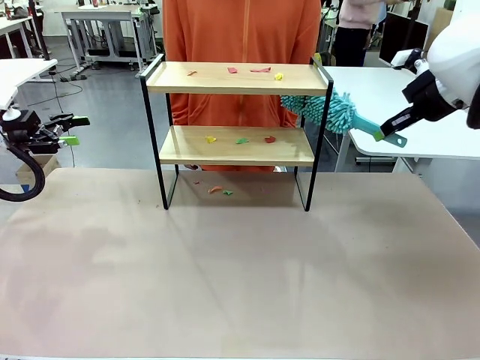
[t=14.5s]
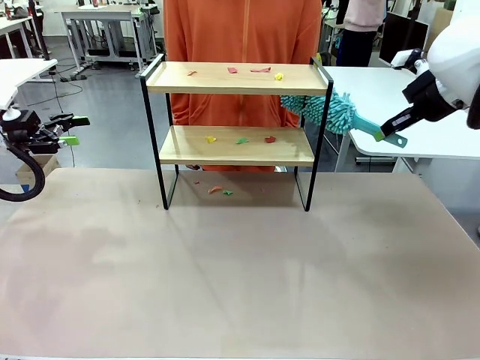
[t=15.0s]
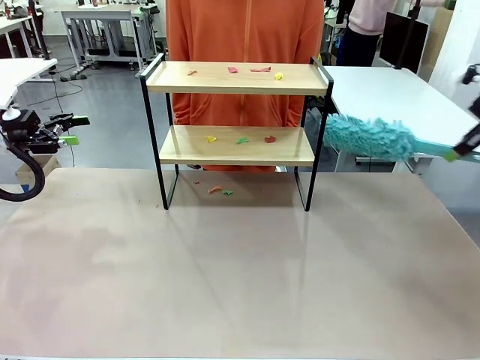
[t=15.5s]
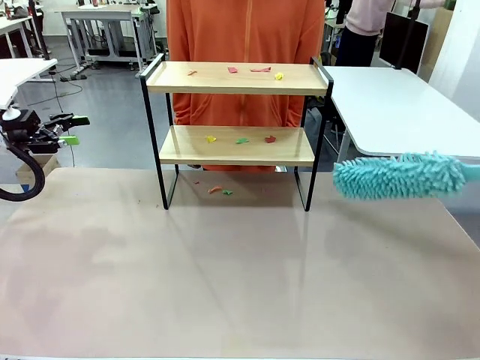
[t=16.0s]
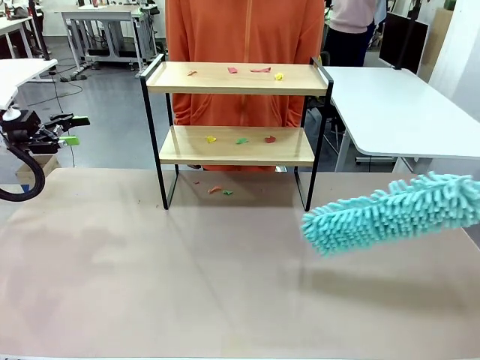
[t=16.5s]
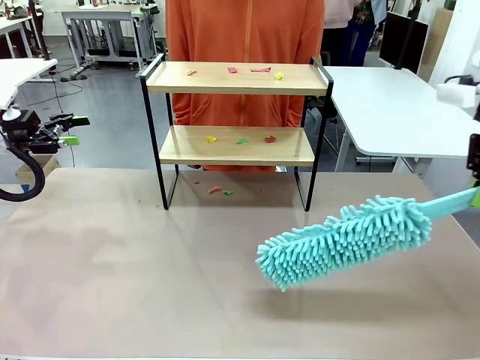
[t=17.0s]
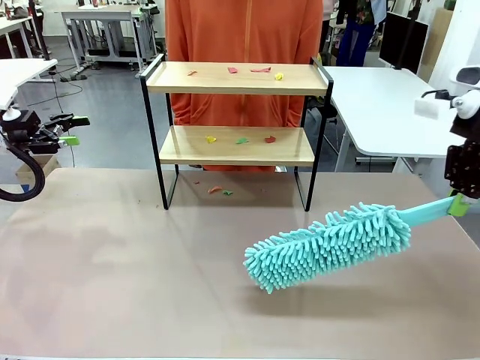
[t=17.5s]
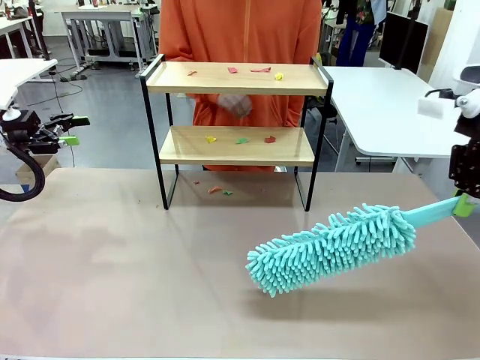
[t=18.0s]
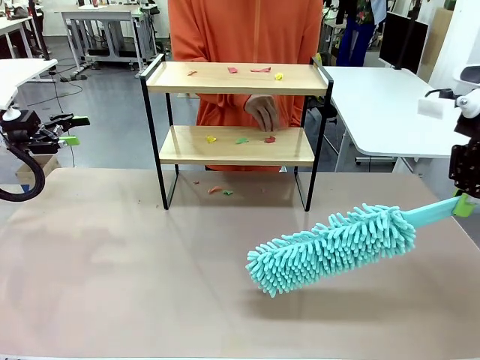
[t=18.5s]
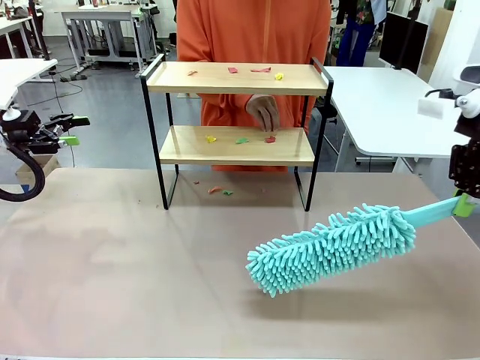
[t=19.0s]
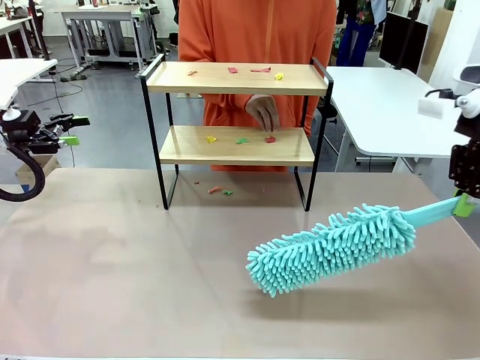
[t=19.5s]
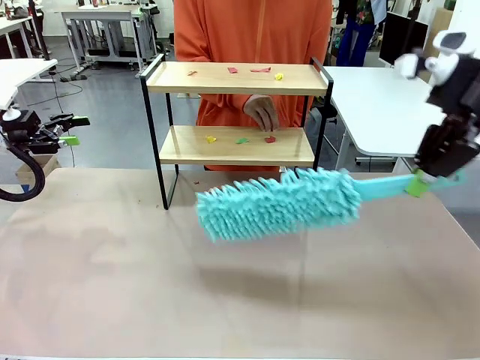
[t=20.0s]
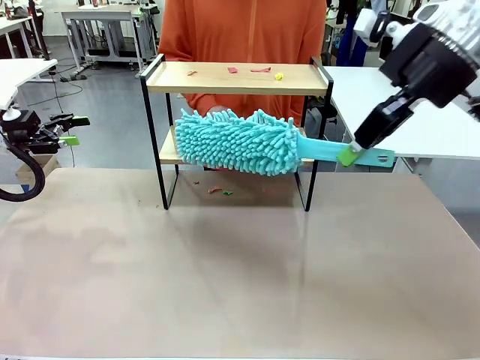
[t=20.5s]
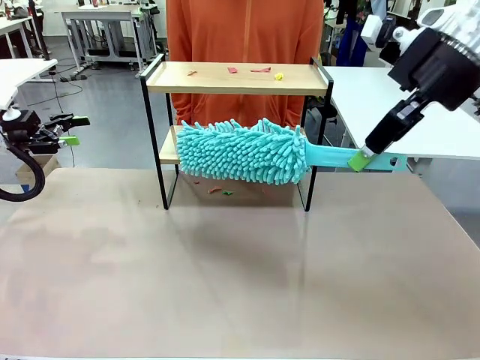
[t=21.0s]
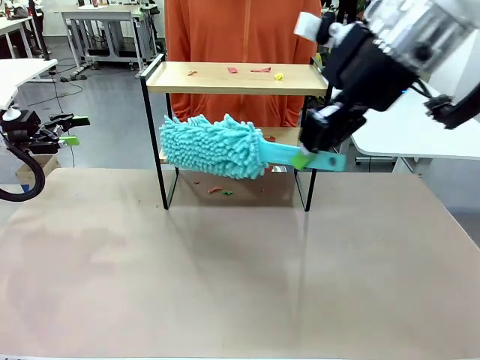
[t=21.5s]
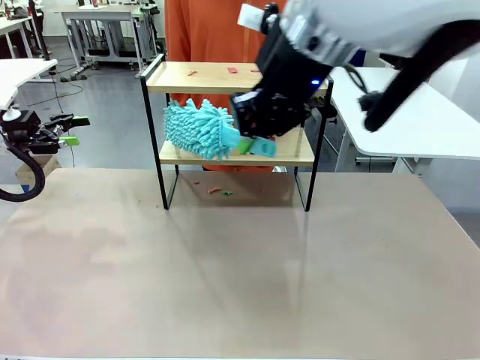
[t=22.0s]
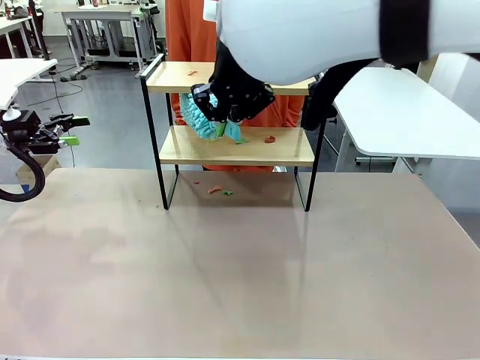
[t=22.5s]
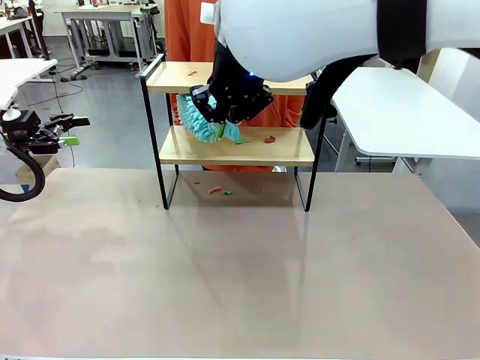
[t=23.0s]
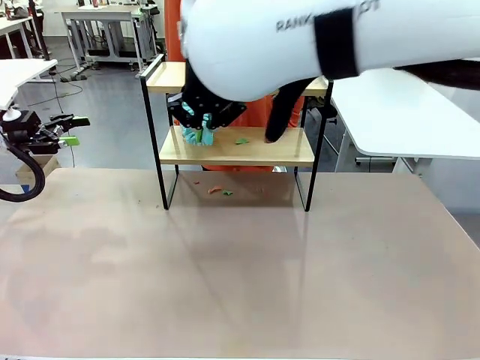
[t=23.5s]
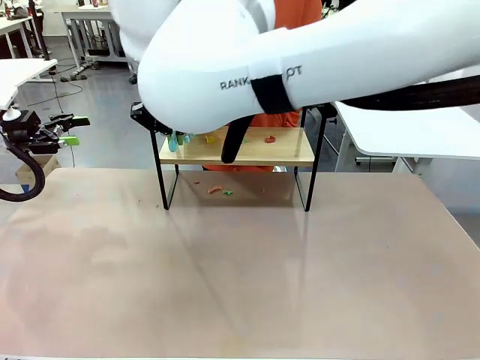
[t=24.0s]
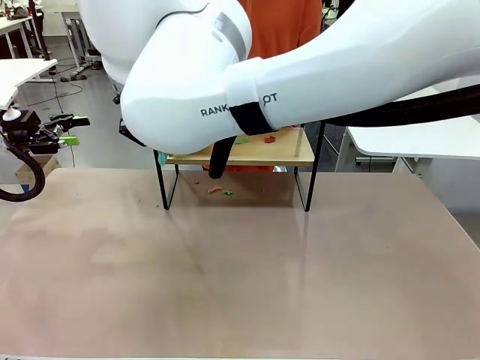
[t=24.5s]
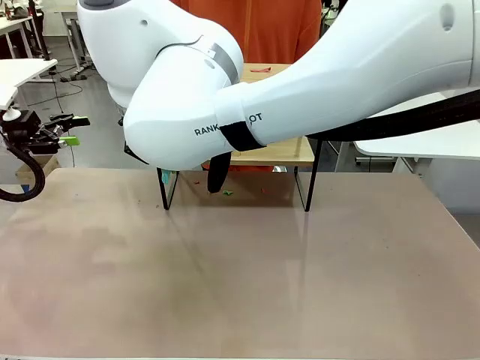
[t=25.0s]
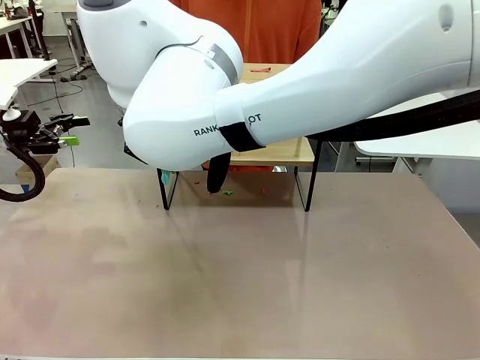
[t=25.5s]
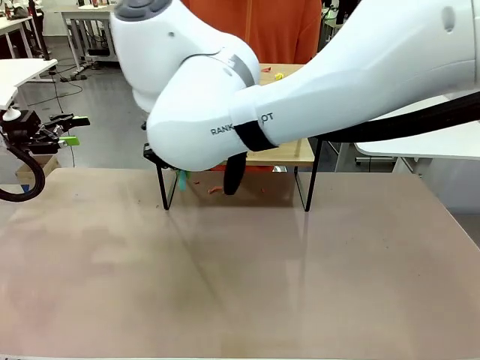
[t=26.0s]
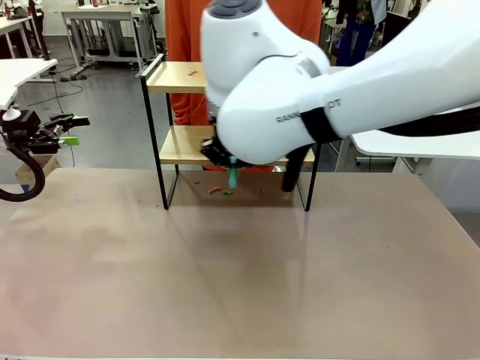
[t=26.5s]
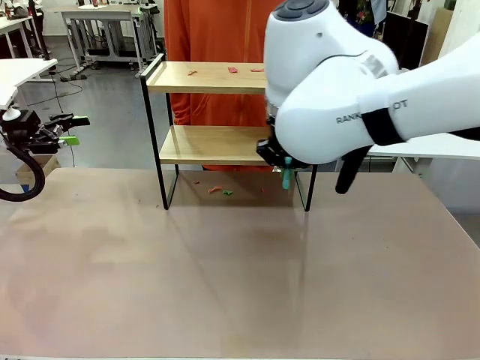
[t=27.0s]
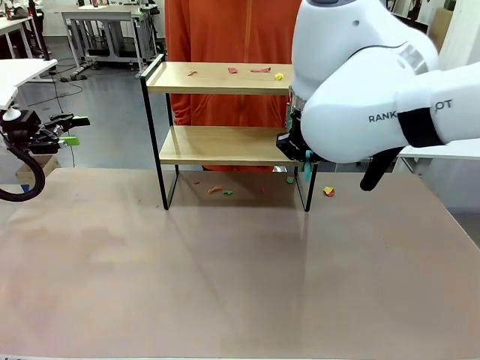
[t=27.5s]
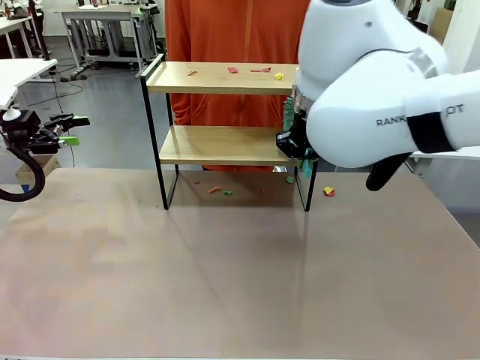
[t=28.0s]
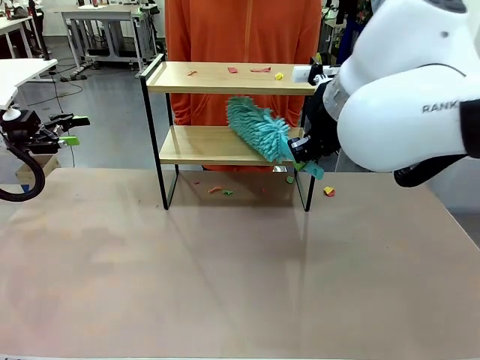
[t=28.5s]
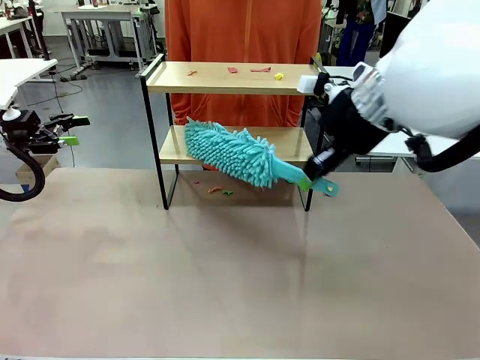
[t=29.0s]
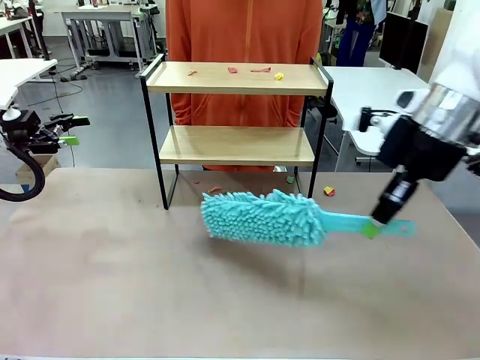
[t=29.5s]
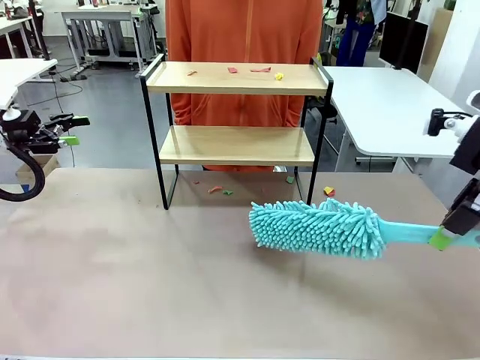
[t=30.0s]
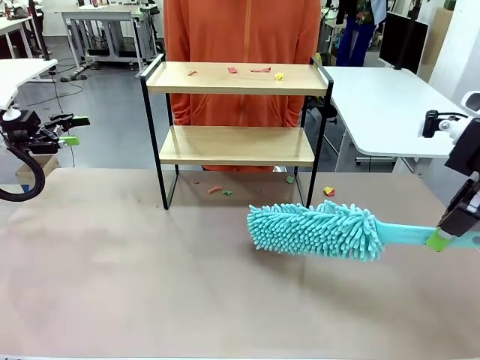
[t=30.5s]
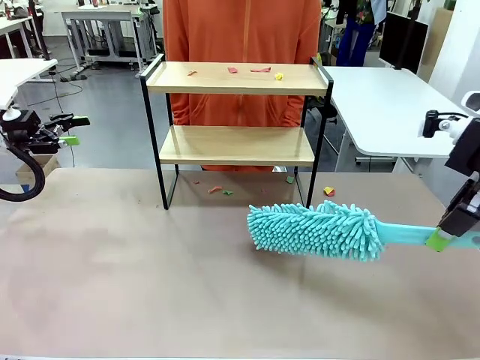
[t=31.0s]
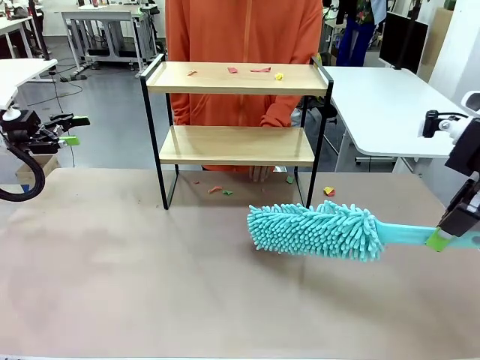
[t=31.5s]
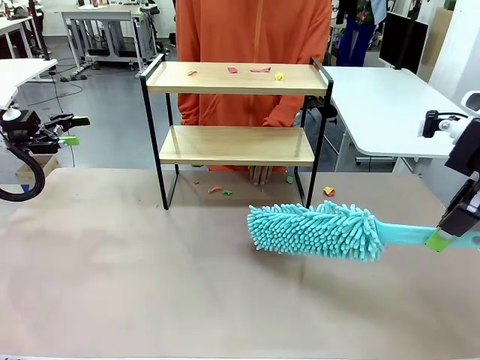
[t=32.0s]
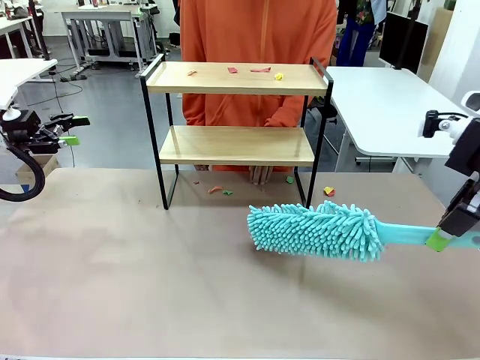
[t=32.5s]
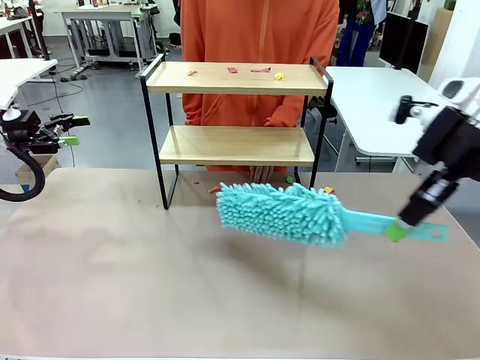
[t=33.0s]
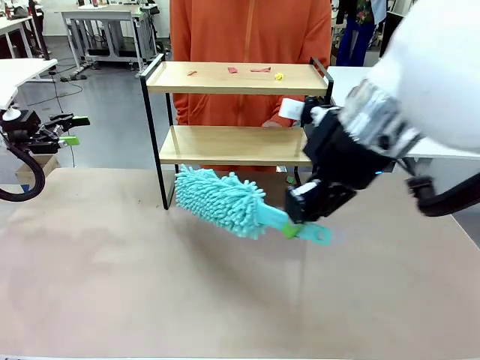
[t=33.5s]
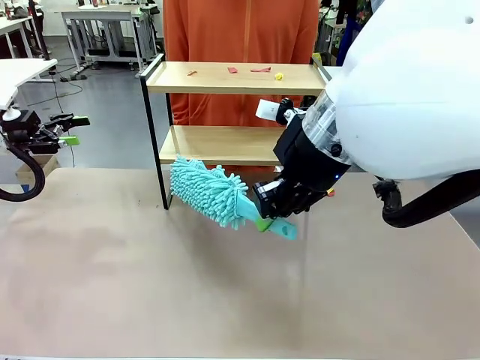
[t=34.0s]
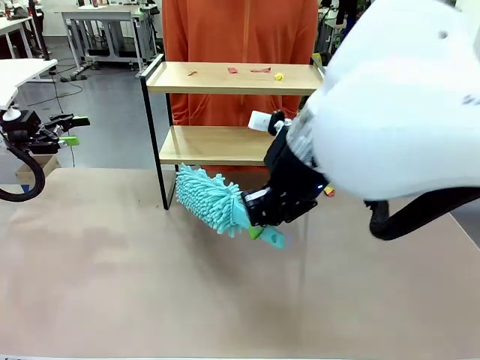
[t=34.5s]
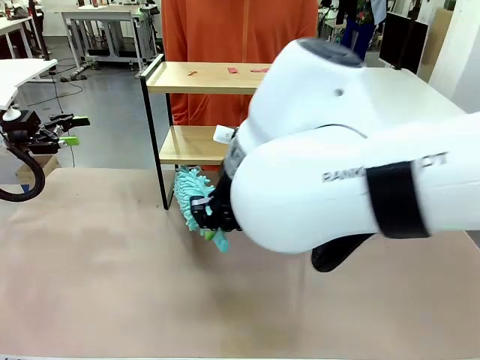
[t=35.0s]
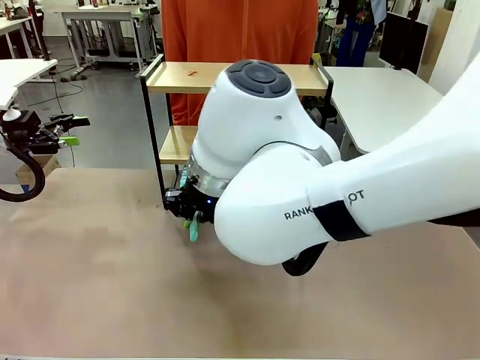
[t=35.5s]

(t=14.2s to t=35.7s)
Task: Clean the shelf.
Robot: Clean the specific section of the Shelf indicated by the human with the Duster.
Person: Point a random section of the Shelf.
